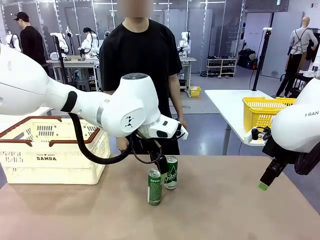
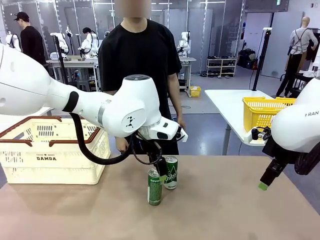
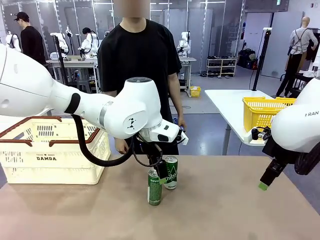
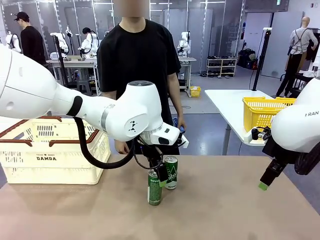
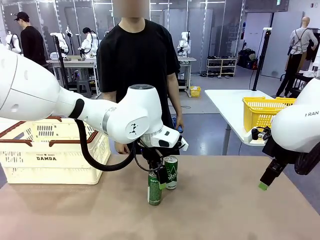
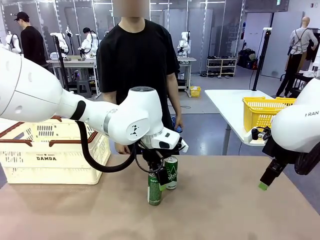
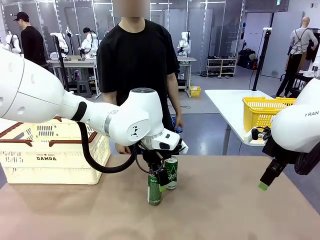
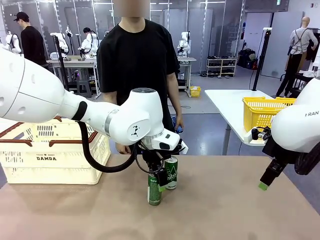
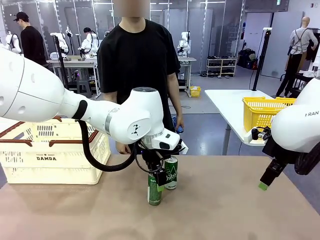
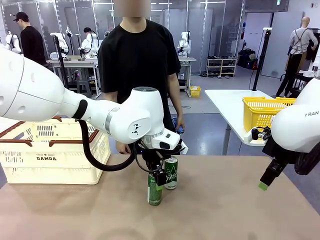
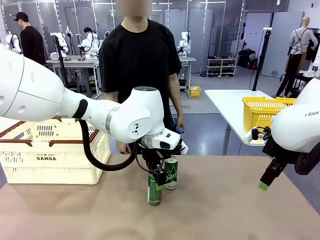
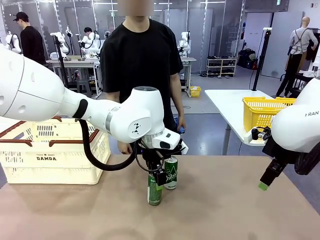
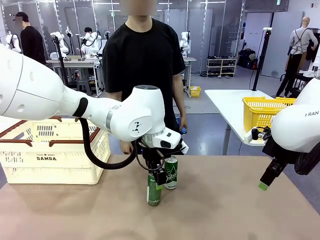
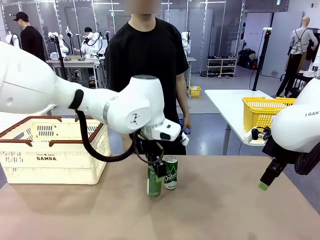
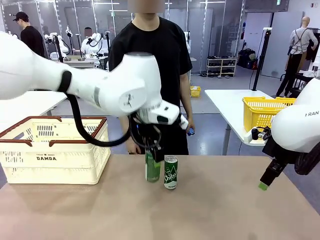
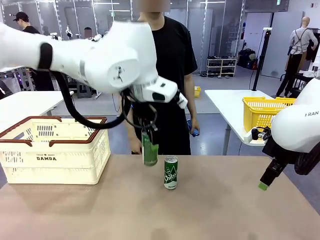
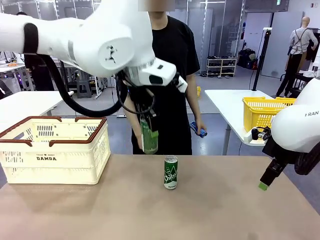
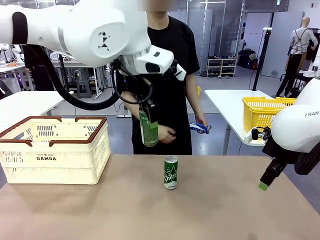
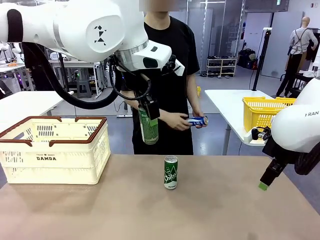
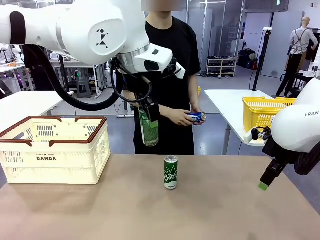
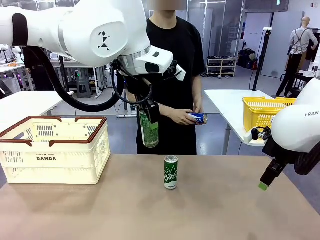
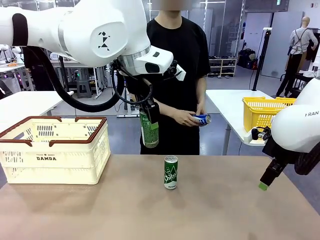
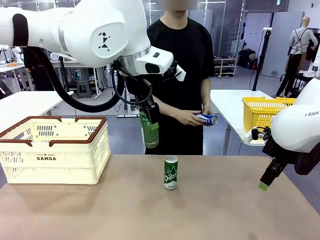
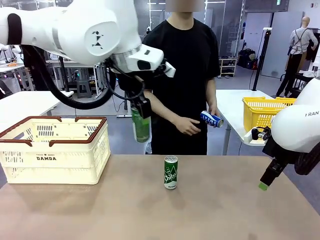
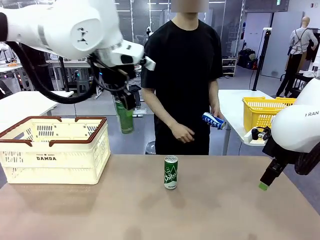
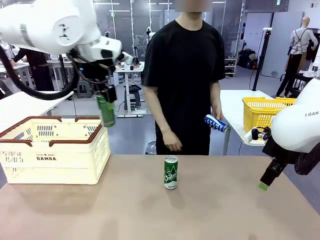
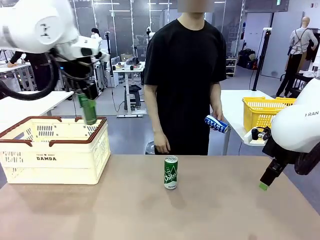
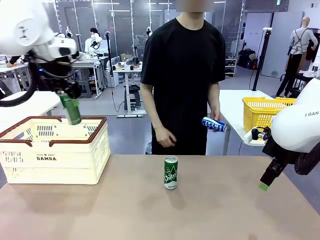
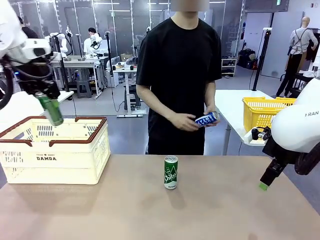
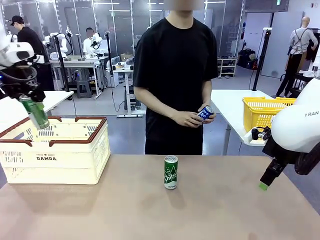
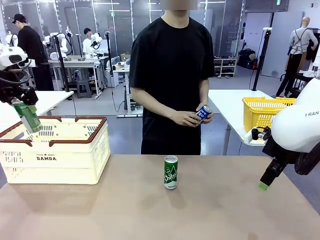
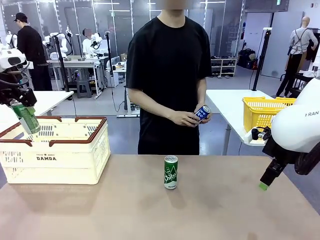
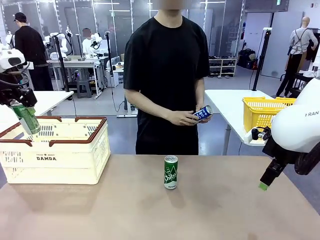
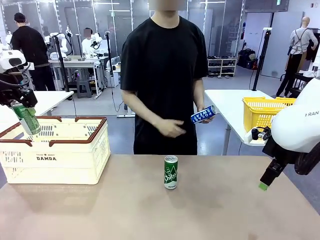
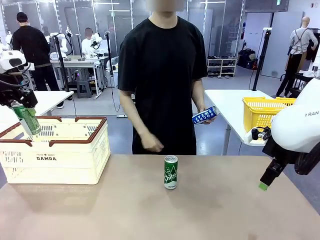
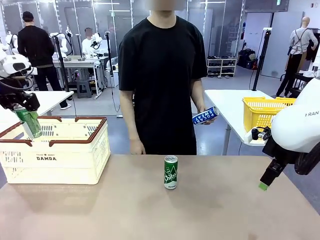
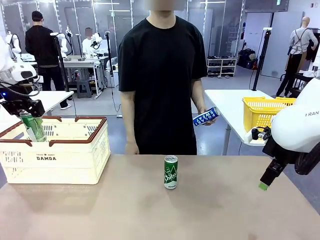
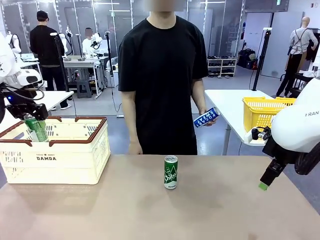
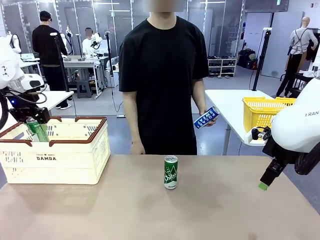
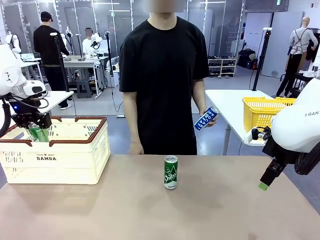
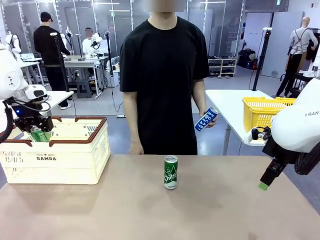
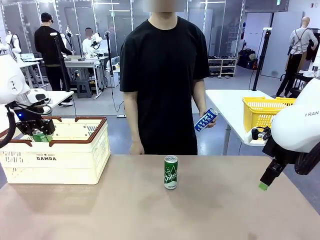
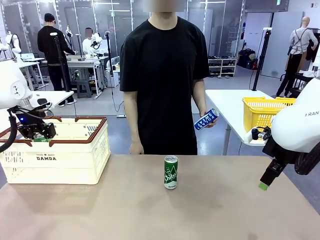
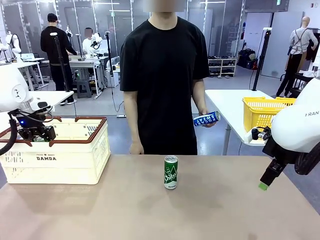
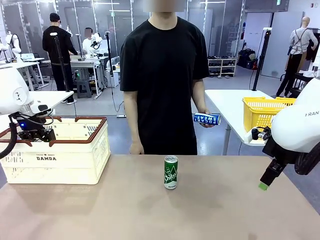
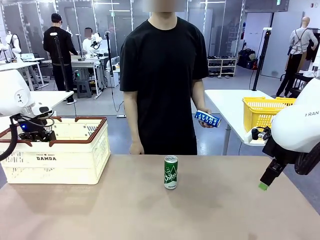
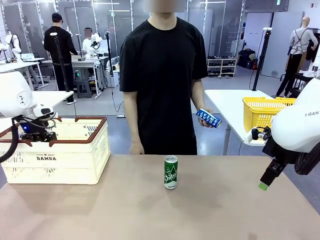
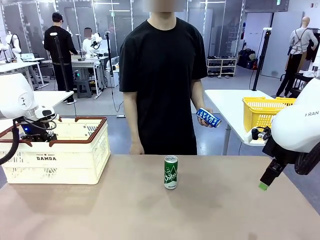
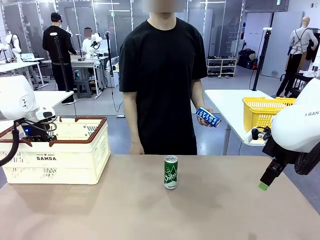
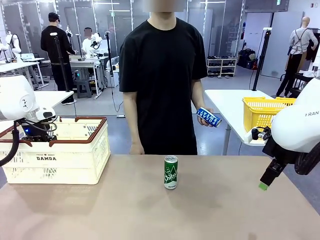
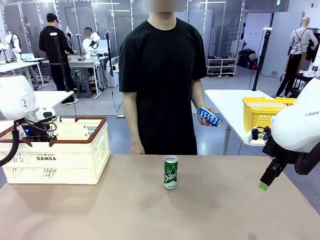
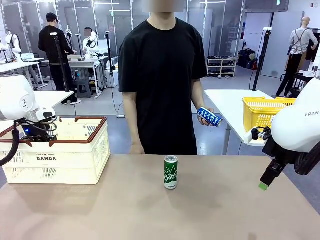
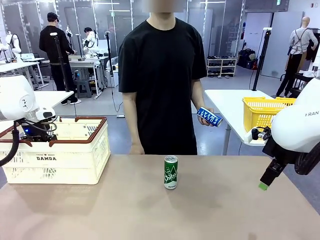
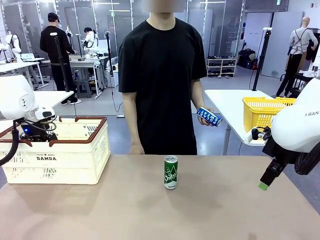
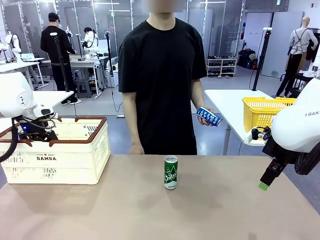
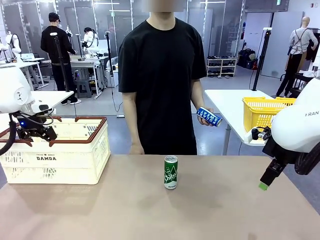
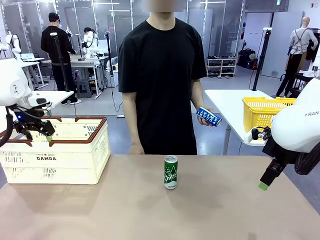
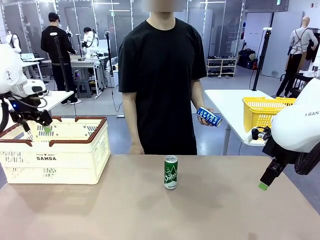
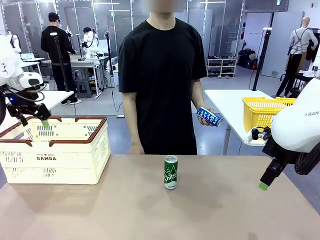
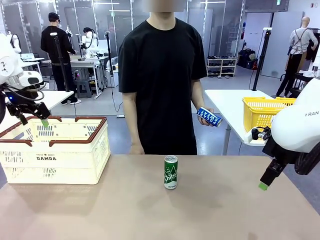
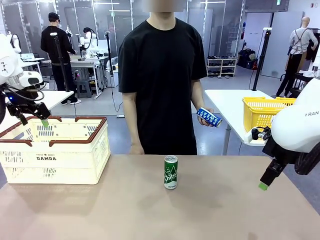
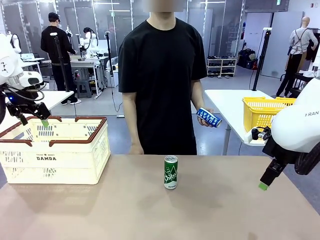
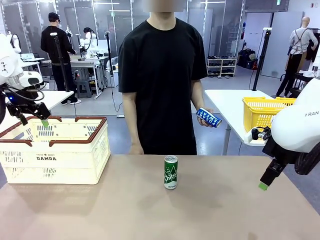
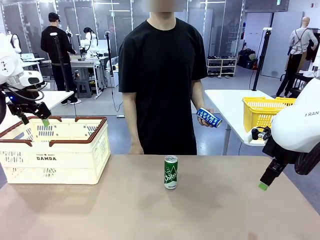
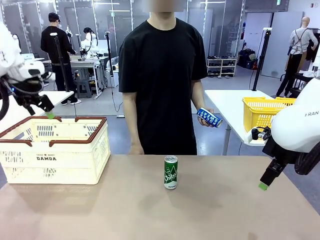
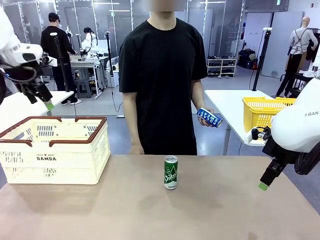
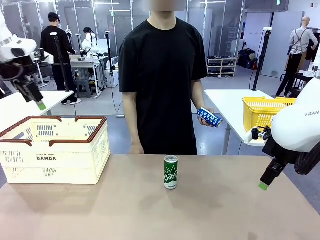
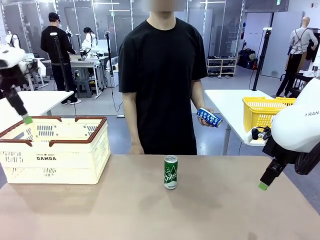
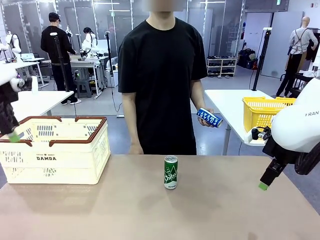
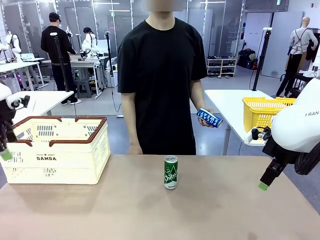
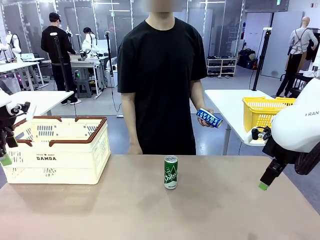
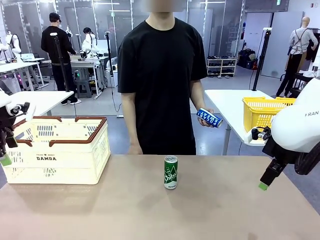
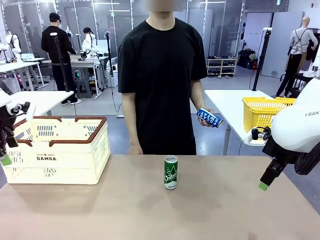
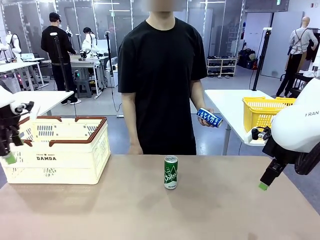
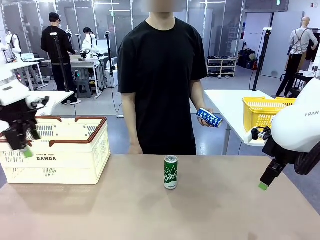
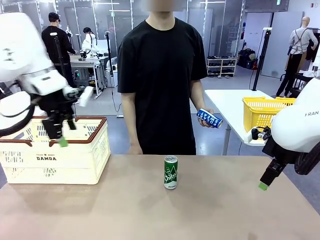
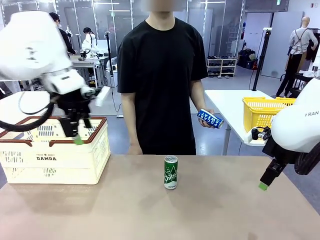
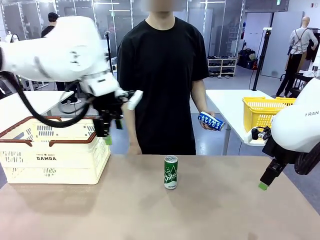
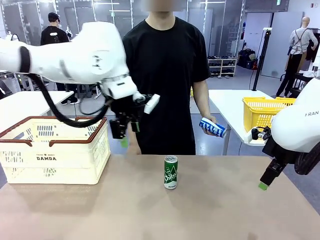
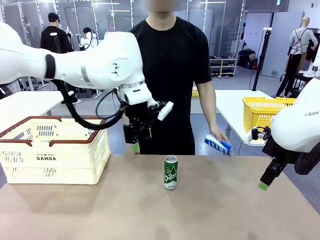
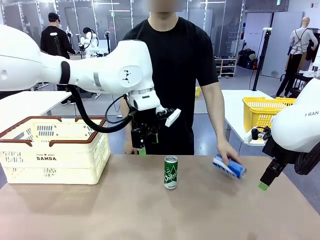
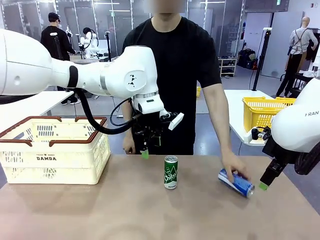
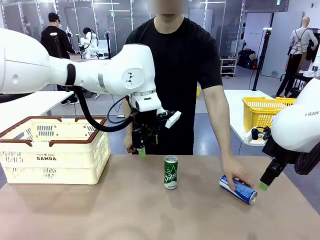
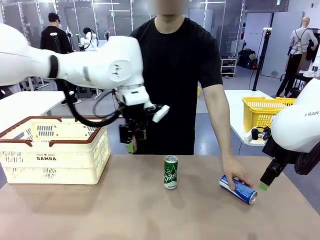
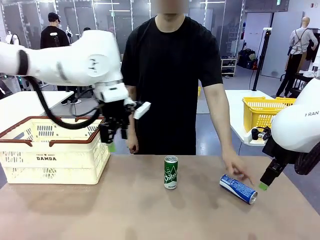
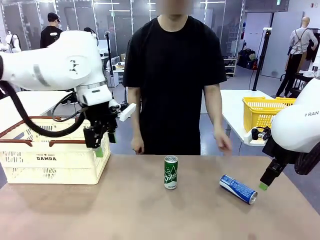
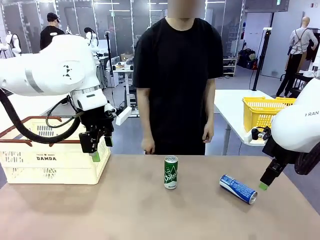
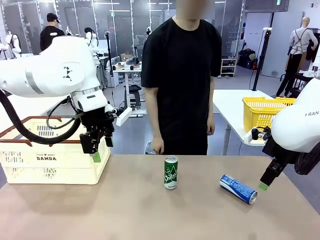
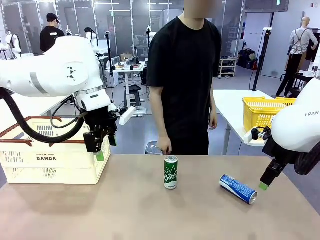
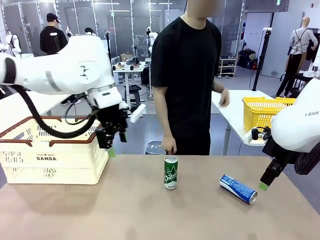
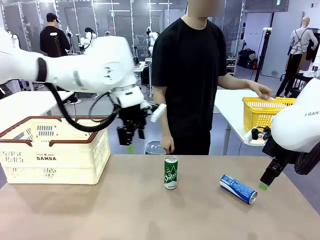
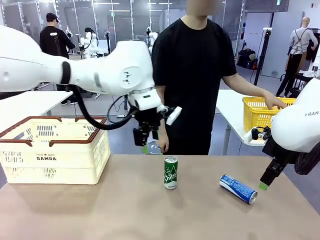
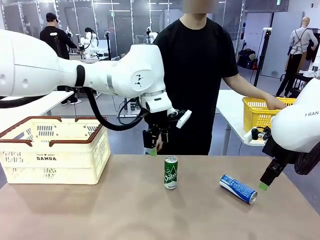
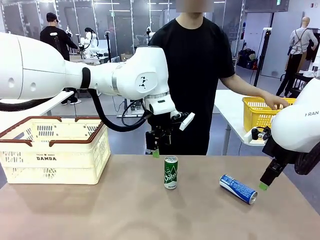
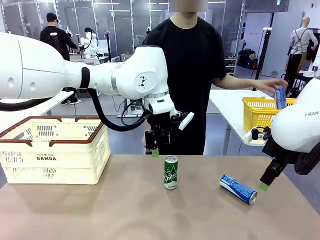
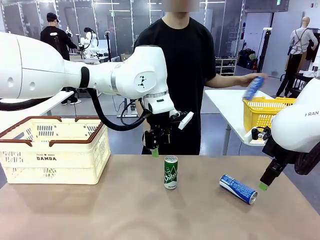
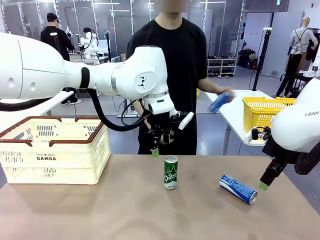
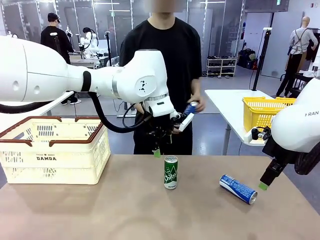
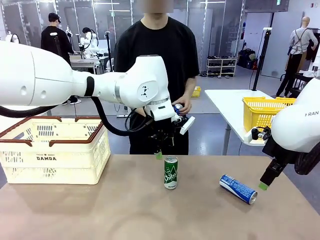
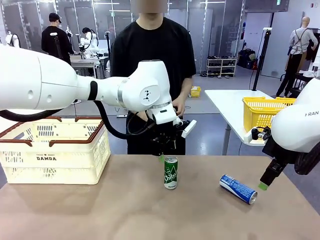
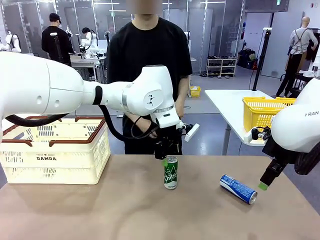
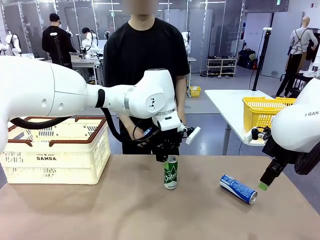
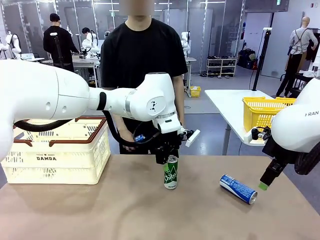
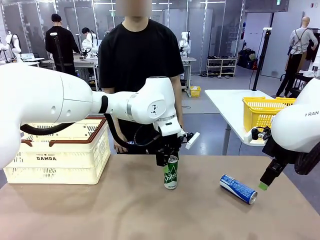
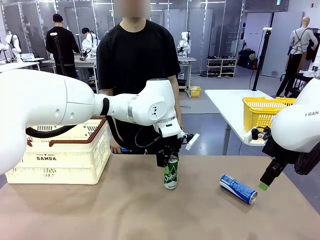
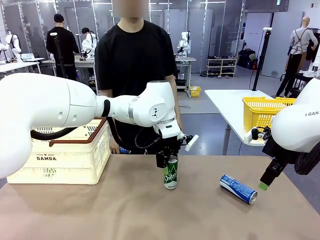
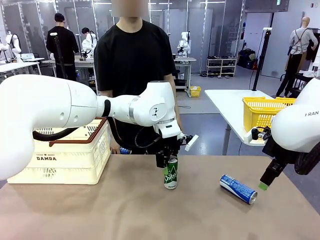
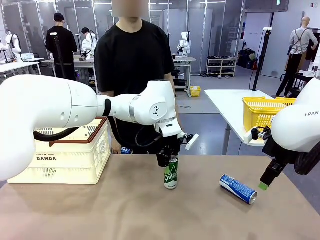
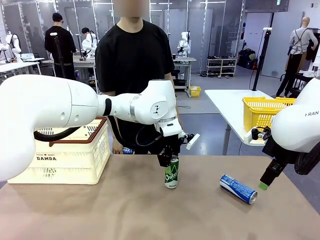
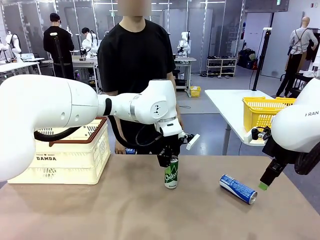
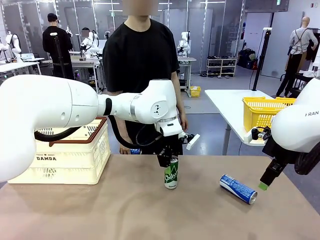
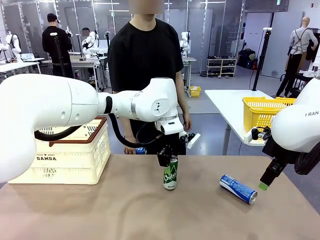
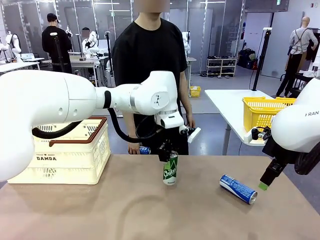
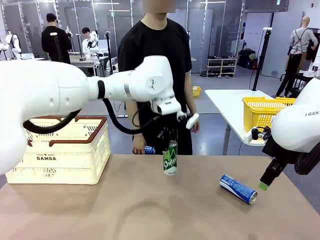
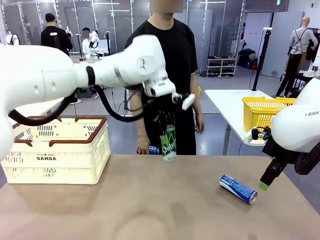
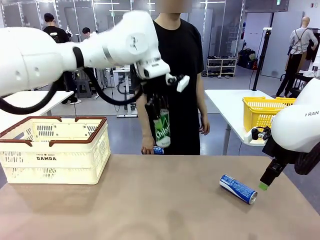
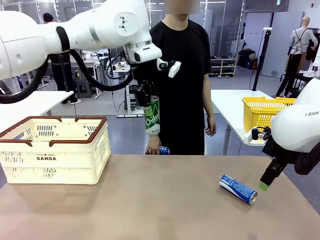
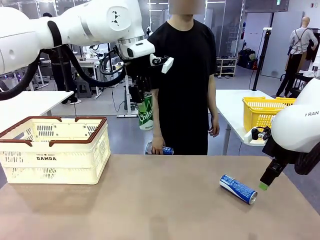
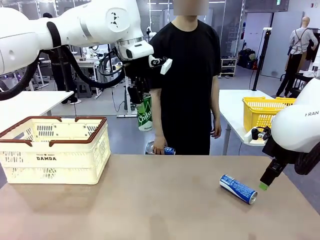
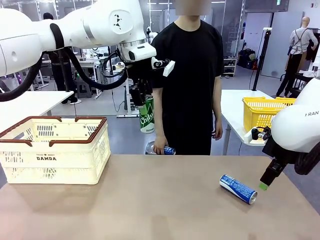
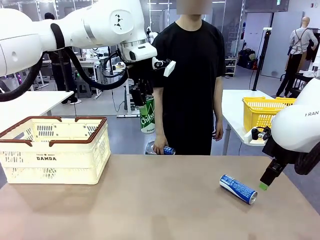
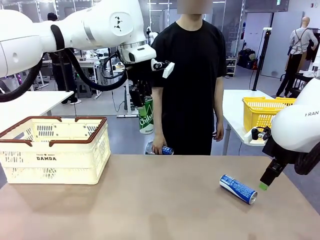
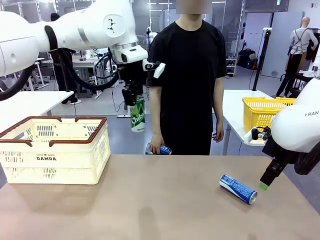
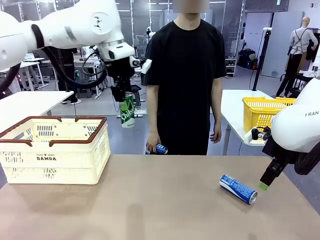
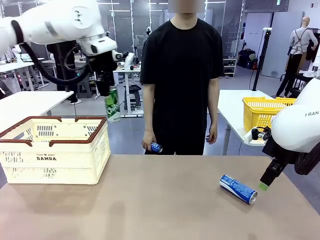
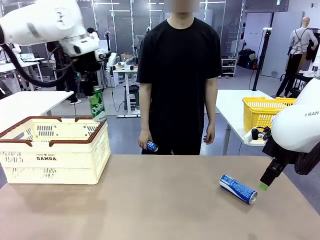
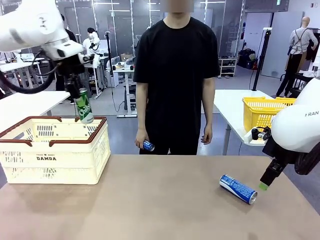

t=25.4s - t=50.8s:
Task: Place the drinks into the Shopping basket.
Robot: Pick up one drink and place it into the Shopping basket.
